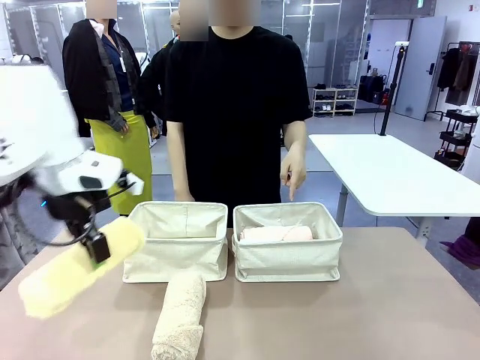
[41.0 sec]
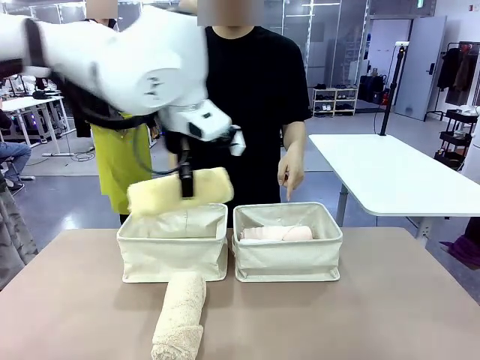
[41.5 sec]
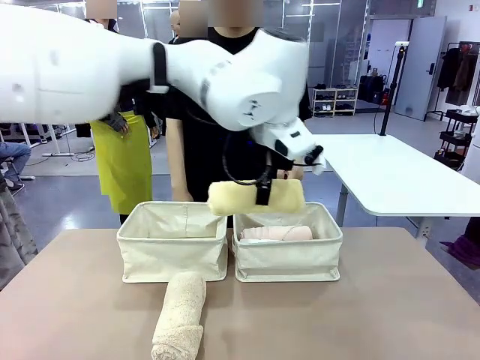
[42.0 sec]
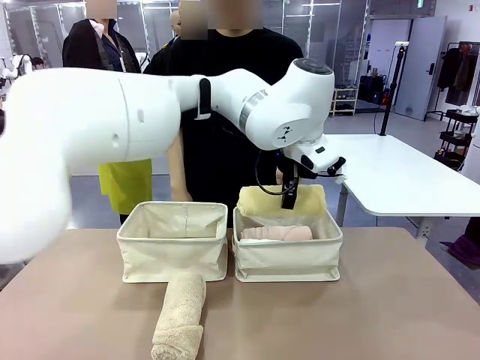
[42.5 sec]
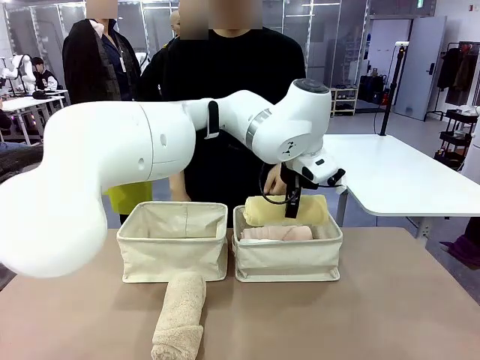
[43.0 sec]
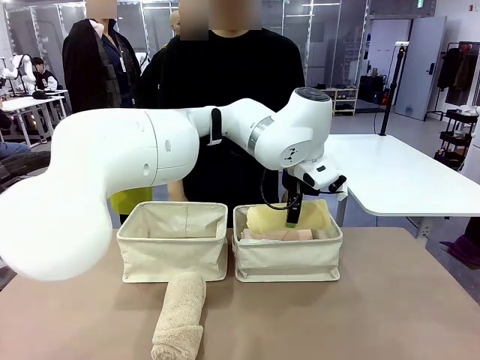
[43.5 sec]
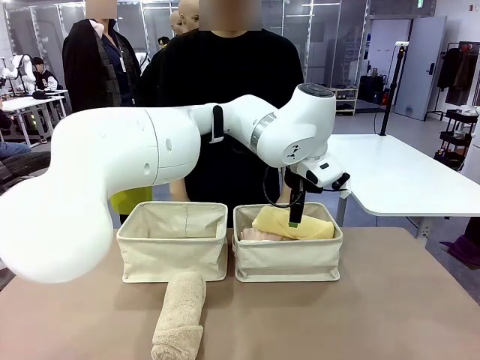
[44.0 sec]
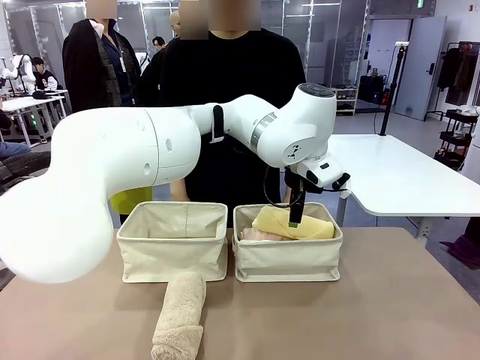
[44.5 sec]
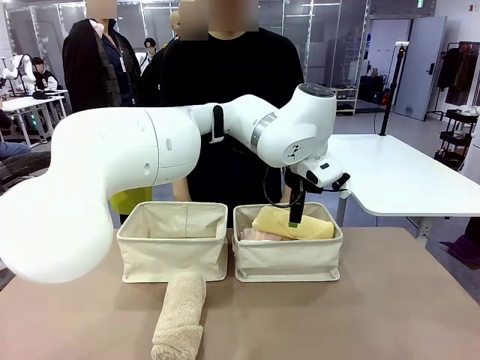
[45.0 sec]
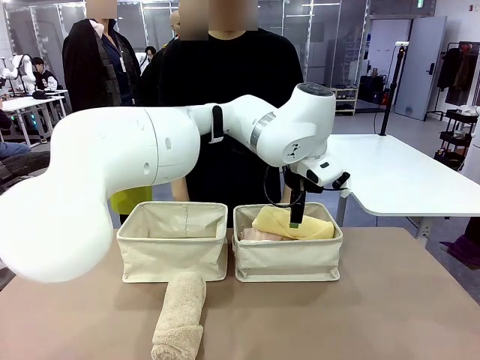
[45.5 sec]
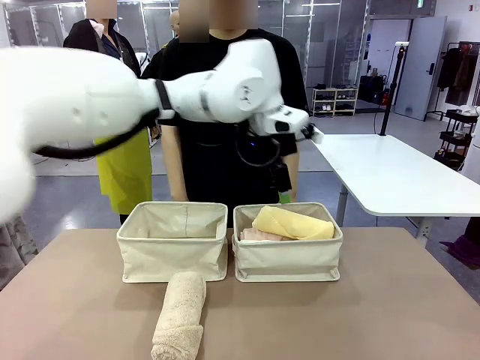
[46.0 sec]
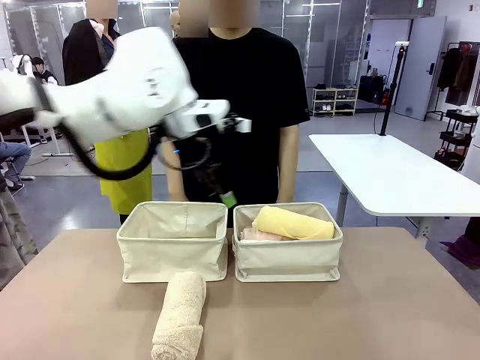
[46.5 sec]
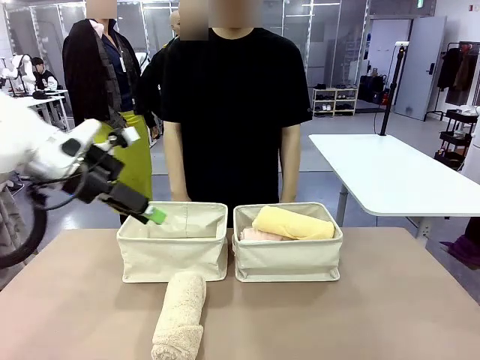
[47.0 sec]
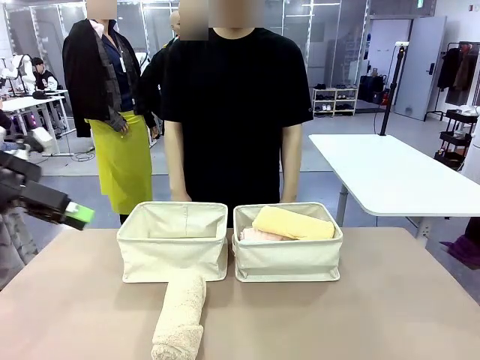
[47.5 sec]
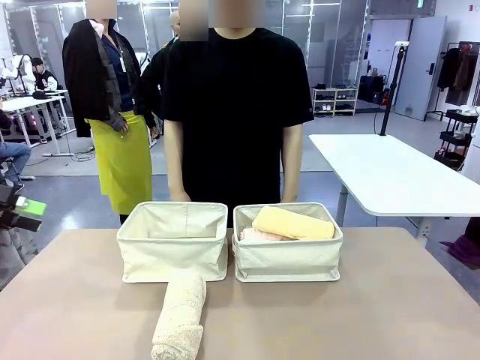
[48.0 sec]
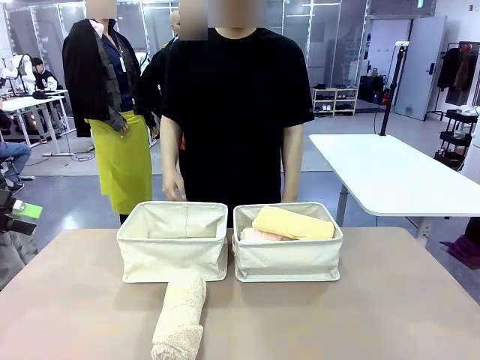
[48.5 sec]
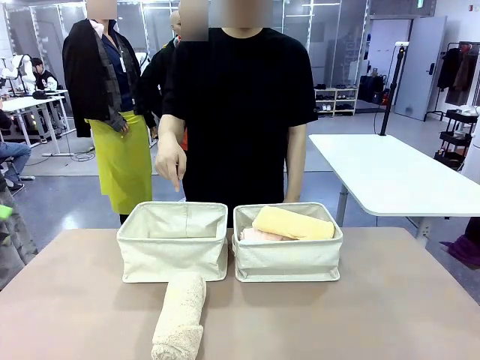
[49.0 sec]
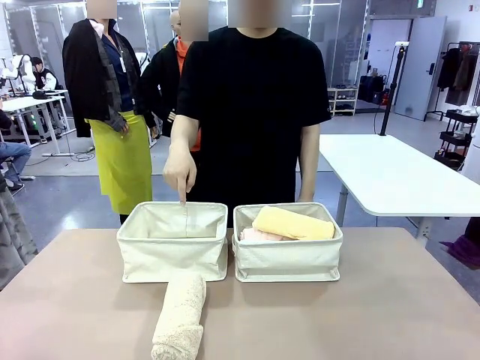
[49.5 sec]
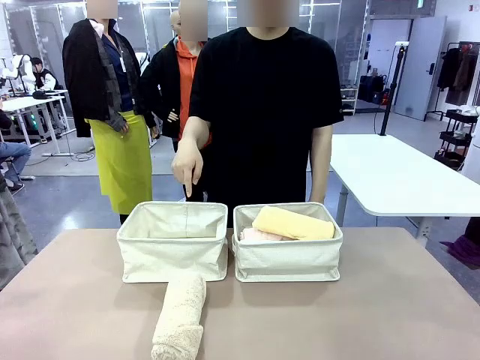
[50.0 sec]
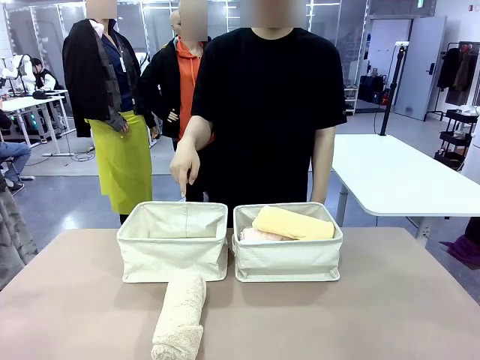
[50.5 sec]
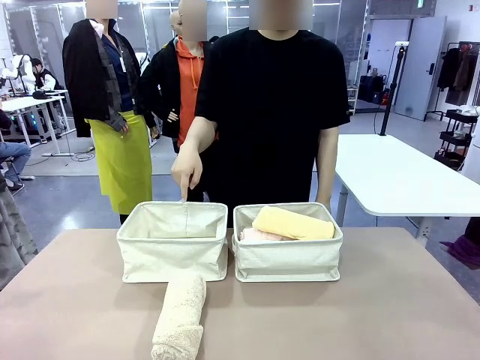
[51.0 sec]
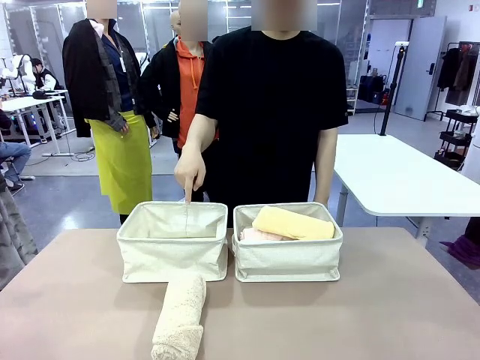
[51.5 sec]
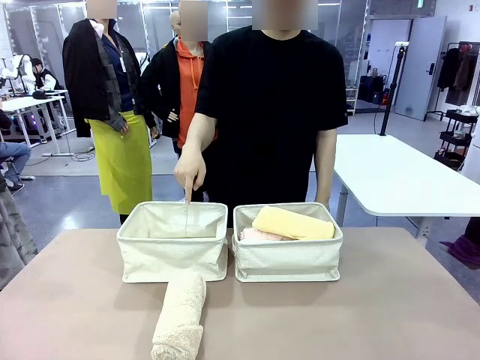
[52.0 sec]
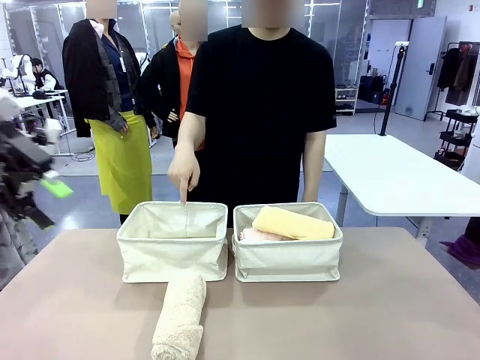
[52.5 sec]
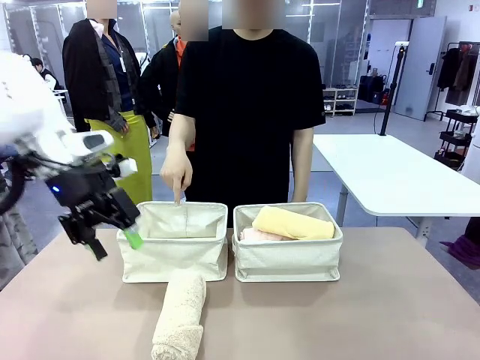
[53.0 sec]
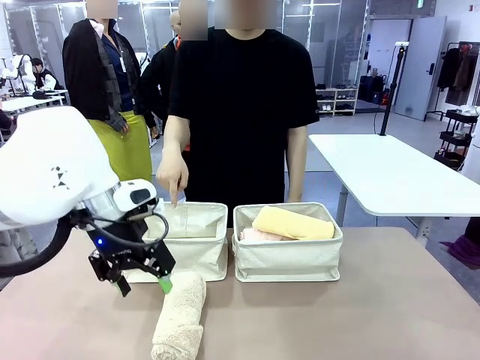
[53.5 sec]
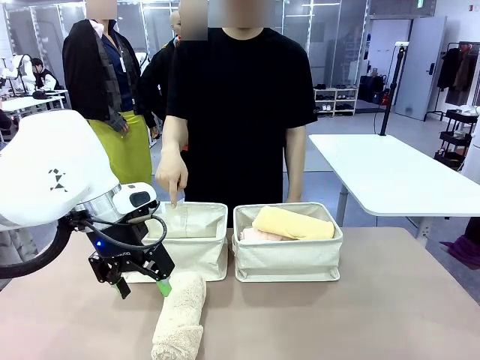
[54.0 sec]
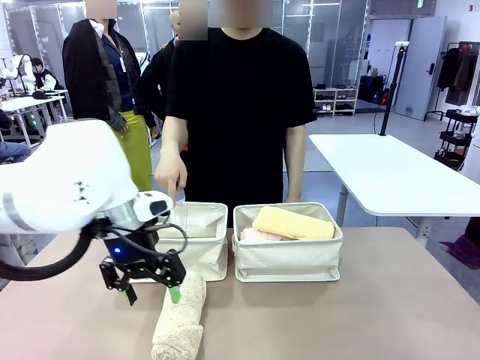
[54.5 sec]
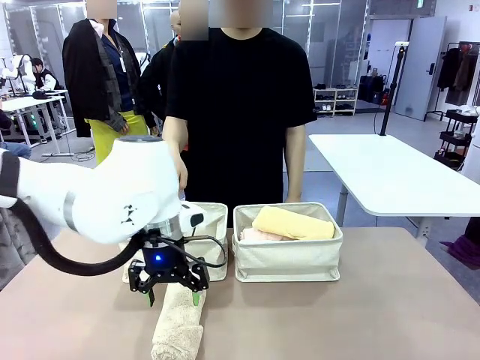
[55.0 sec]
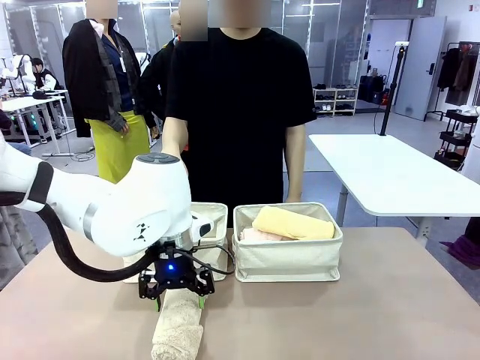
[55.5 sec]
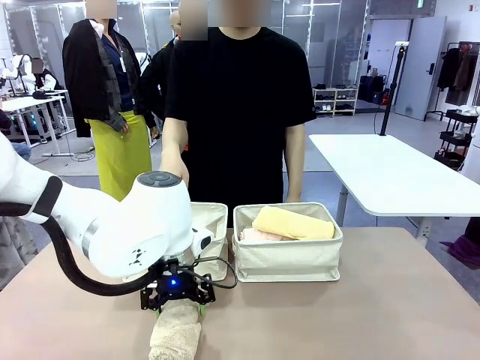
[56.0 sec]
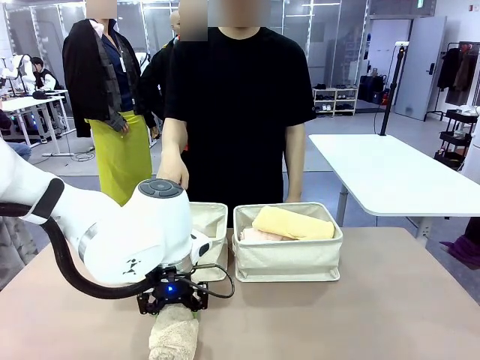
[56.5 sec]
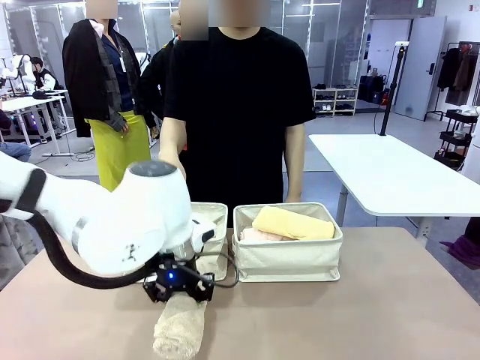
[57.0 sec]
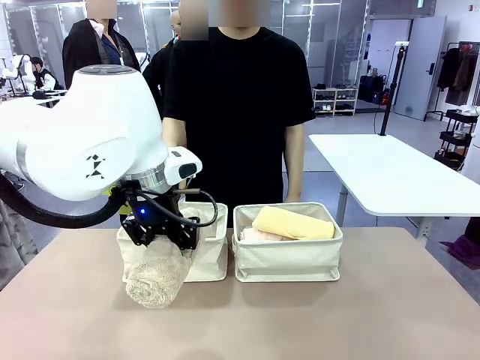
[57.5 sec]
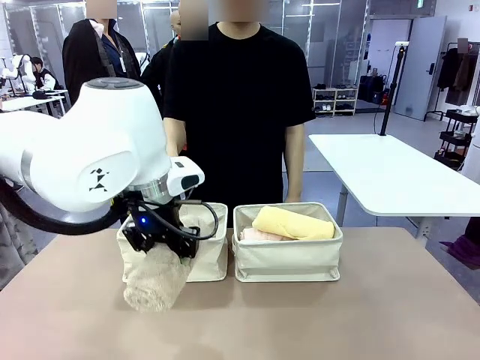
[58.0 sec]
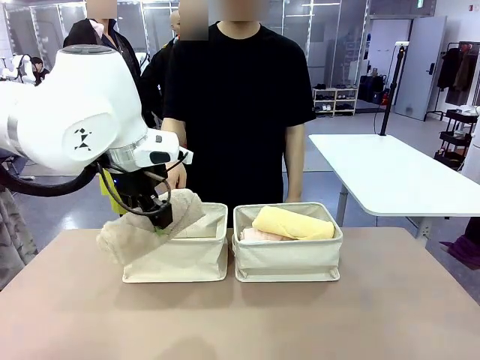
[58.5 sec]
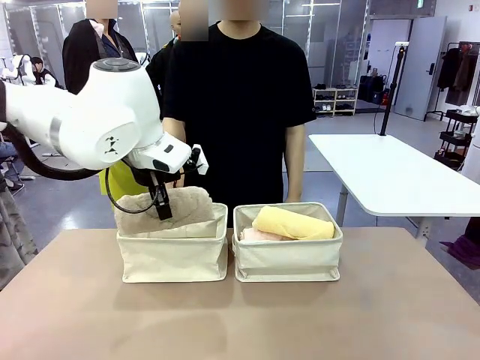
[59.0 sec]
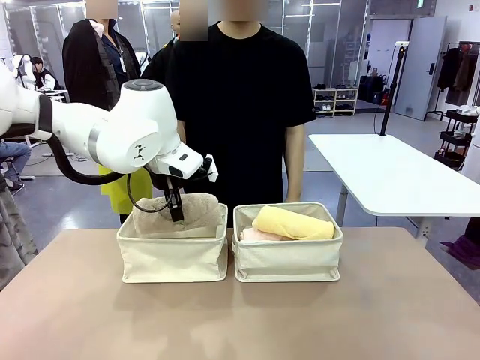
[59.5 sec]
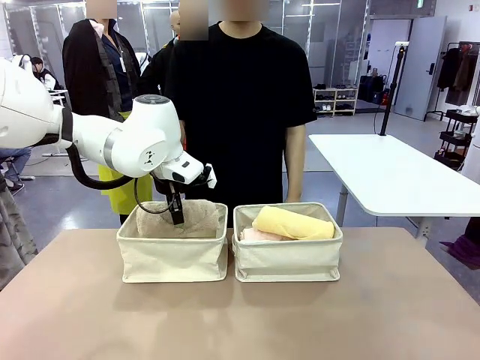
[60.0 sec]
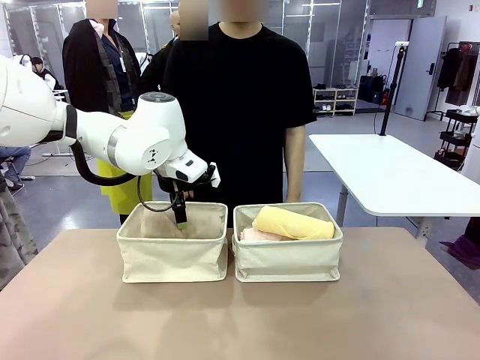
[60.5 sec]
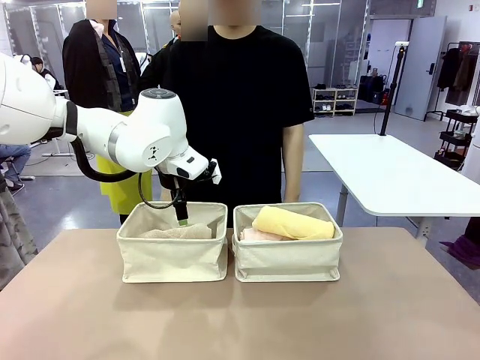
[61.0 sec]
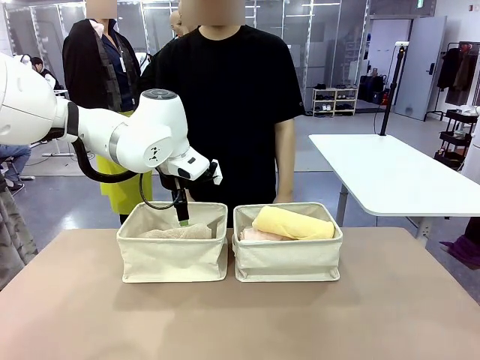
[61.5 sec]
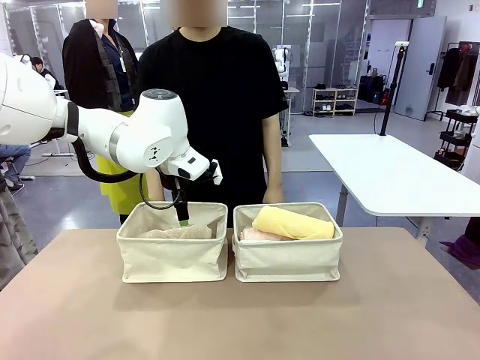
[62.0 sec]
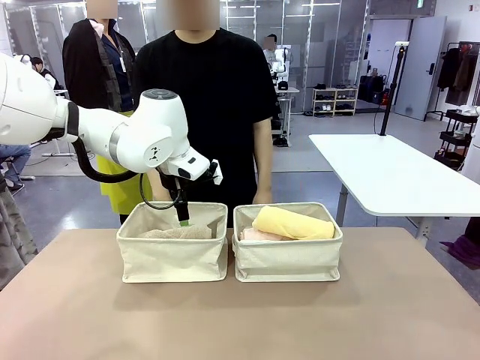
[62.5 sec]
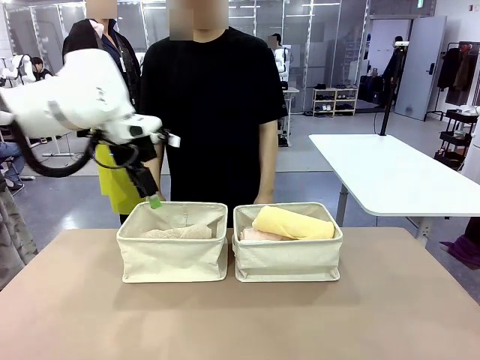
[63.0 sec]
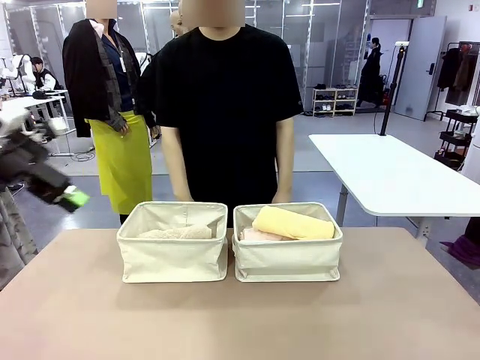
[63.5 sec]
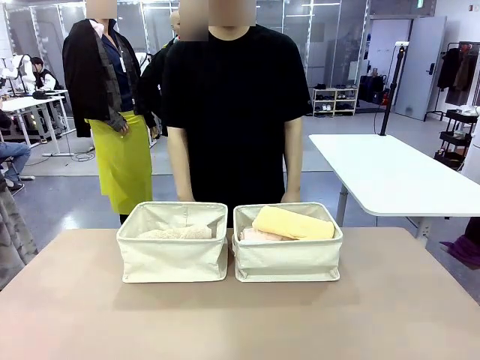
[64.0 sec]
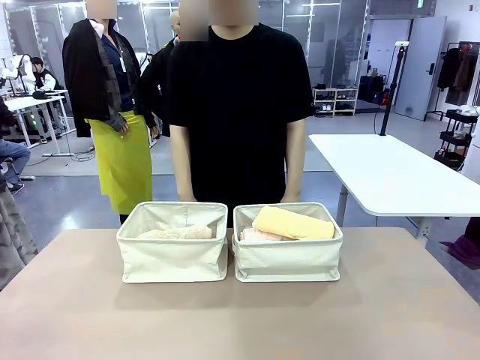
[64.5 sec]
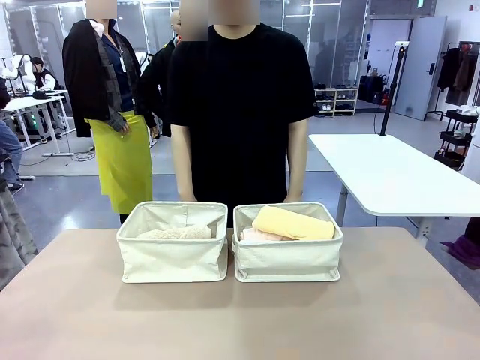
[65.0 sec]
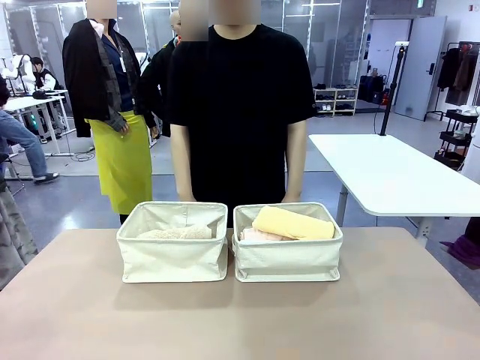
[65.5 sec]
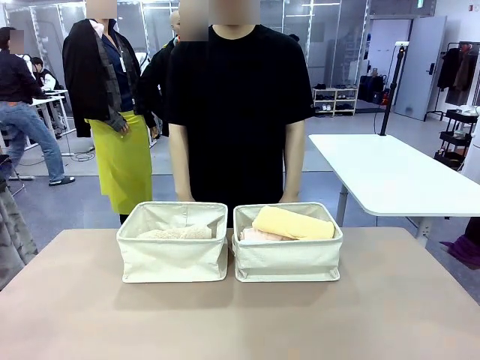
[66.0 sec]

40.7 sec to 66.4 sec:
Task: Divide the towels into two baskets.
Robot: Pick up one hotel-folded towel from the bottom of the table and place it in the Fabric basket indicated by the person.
